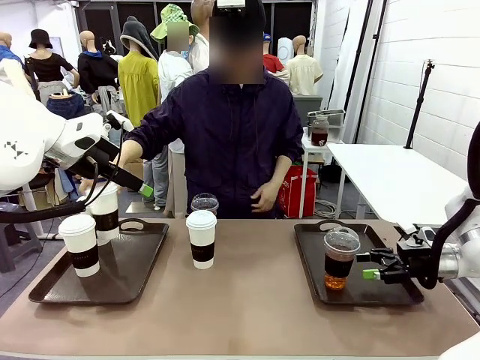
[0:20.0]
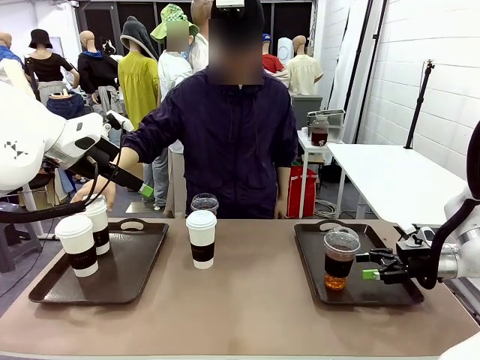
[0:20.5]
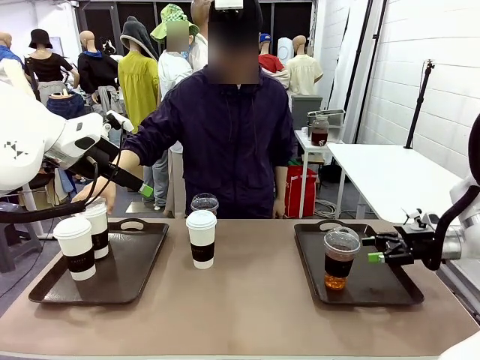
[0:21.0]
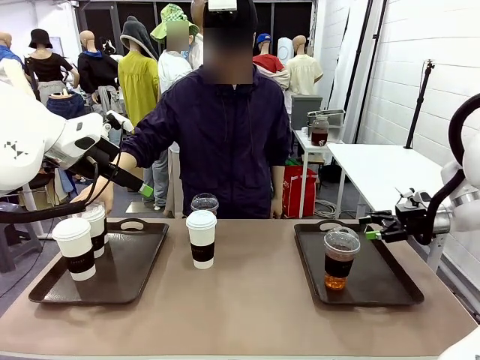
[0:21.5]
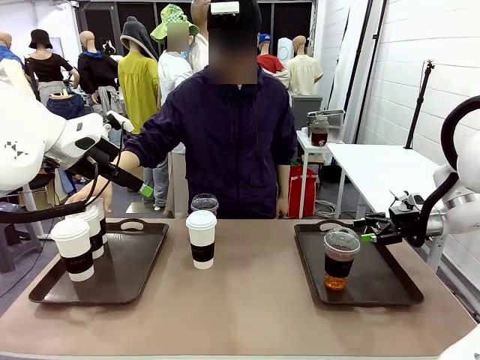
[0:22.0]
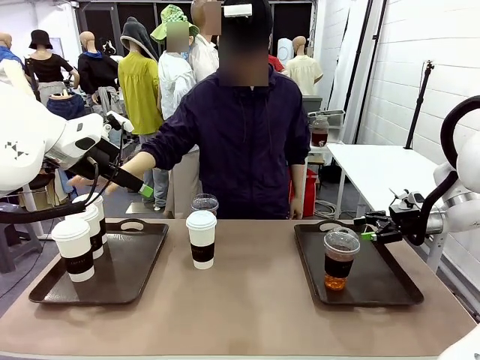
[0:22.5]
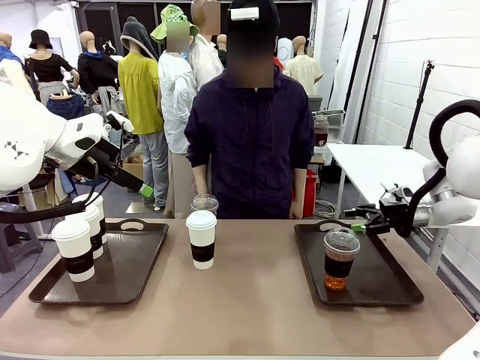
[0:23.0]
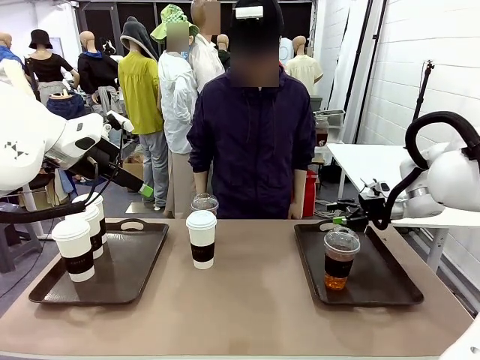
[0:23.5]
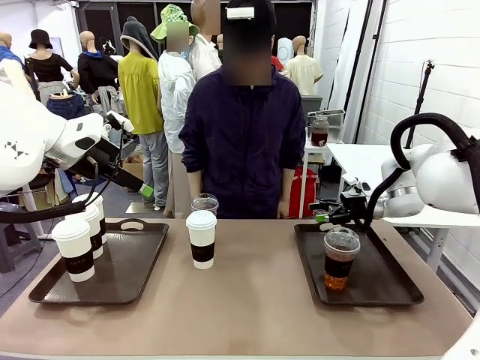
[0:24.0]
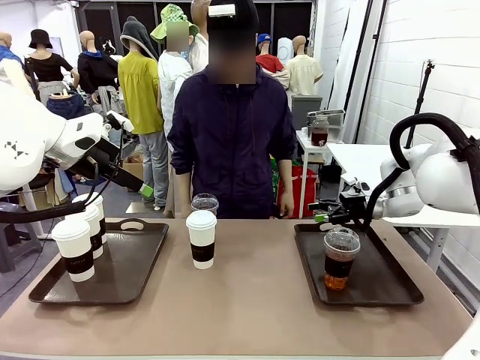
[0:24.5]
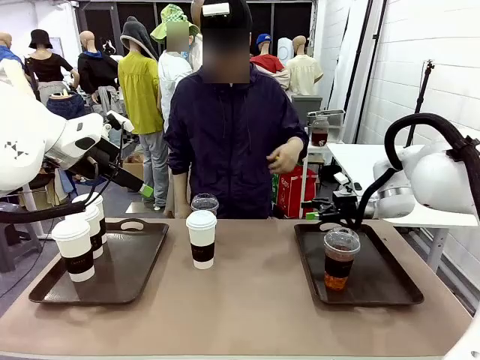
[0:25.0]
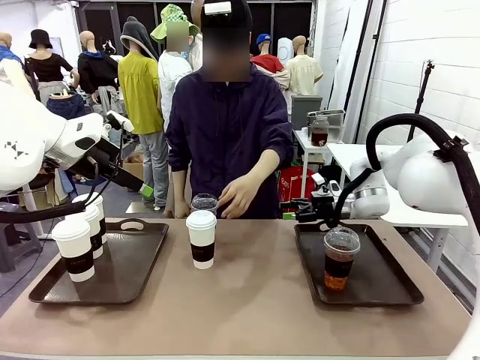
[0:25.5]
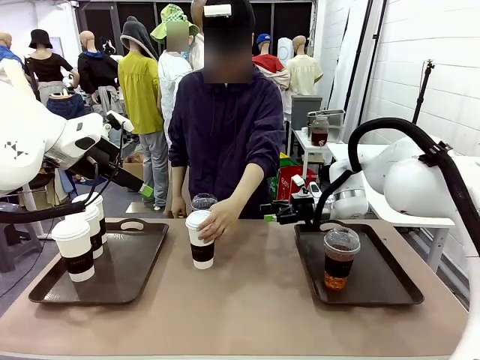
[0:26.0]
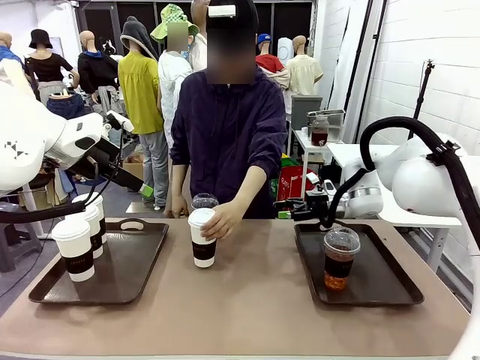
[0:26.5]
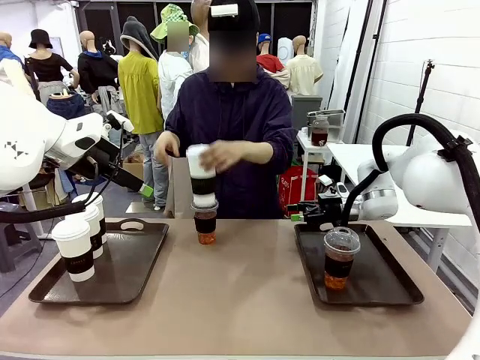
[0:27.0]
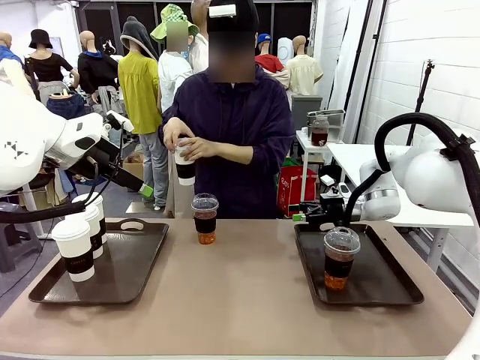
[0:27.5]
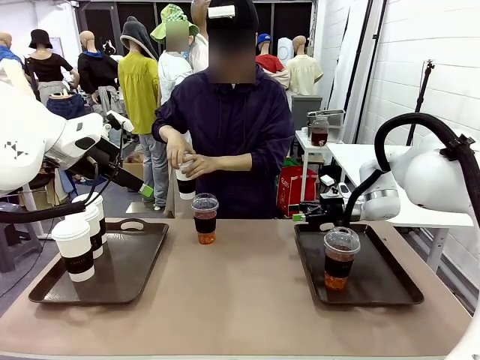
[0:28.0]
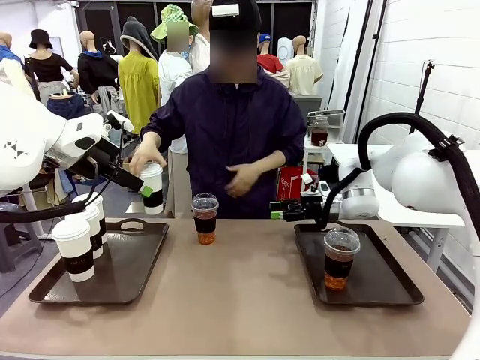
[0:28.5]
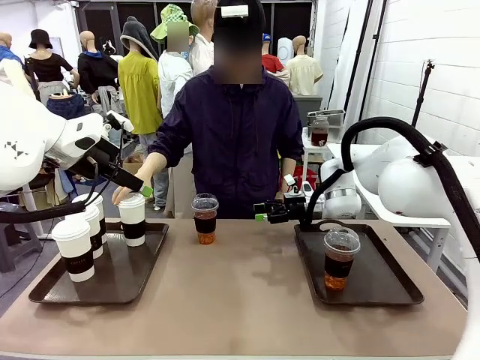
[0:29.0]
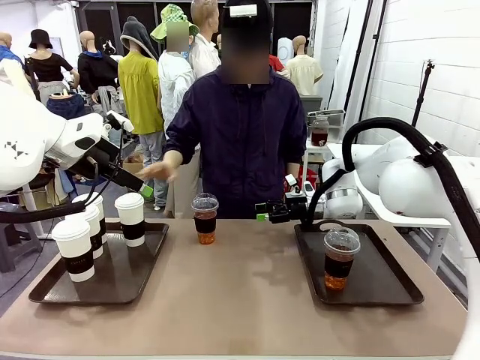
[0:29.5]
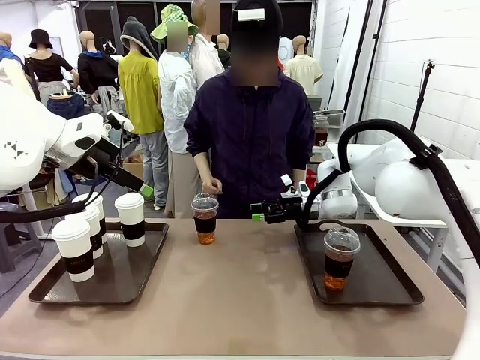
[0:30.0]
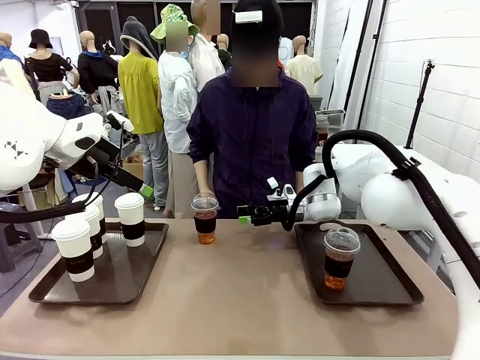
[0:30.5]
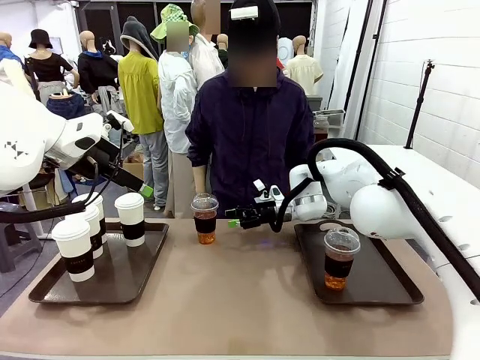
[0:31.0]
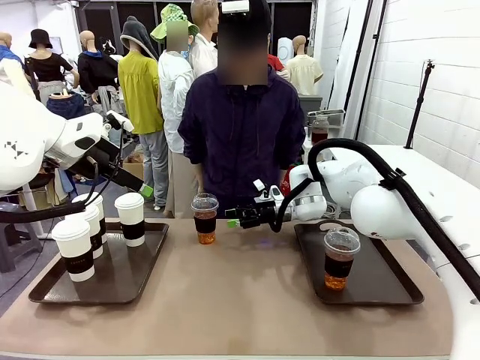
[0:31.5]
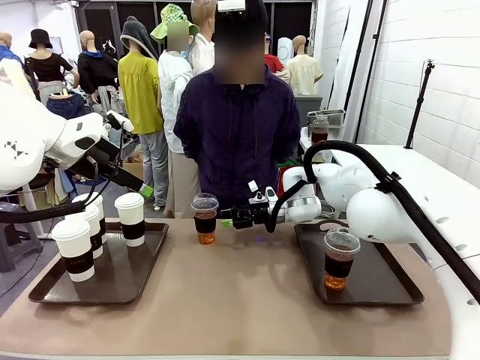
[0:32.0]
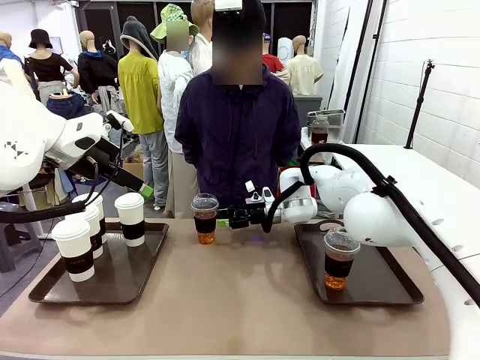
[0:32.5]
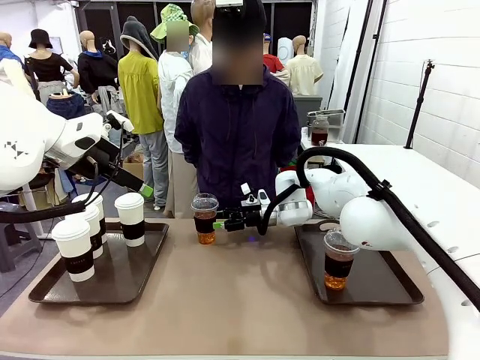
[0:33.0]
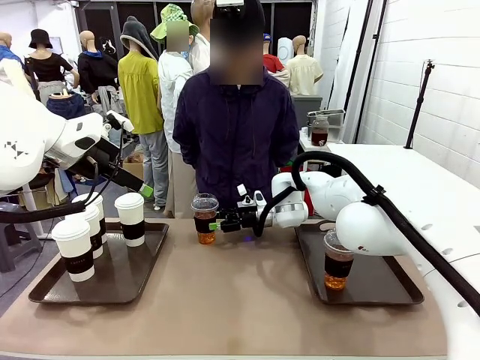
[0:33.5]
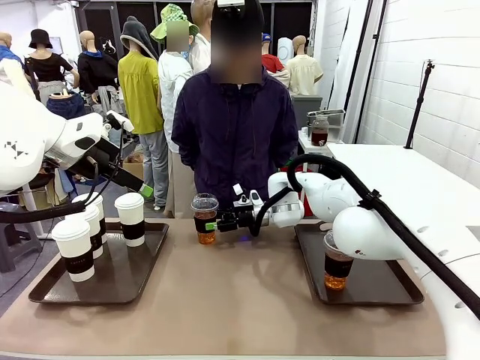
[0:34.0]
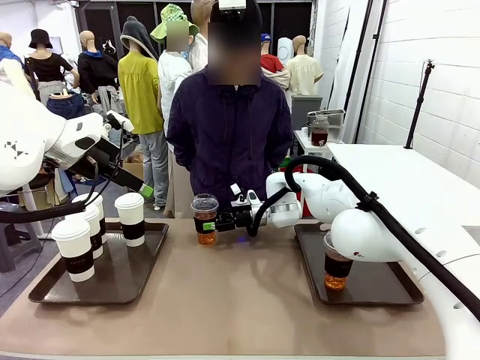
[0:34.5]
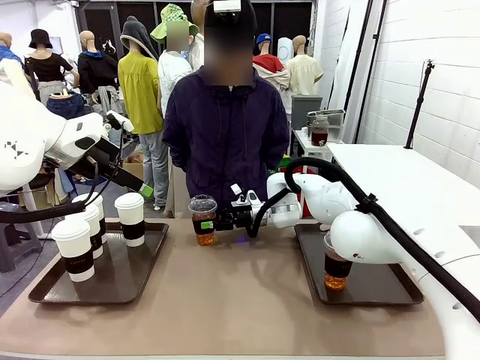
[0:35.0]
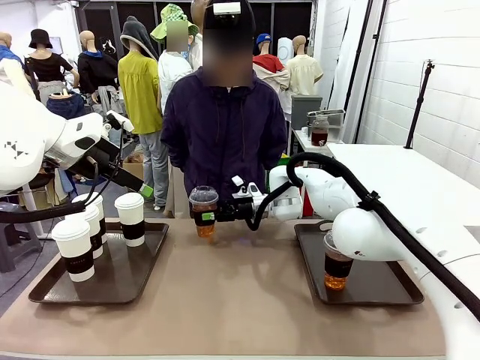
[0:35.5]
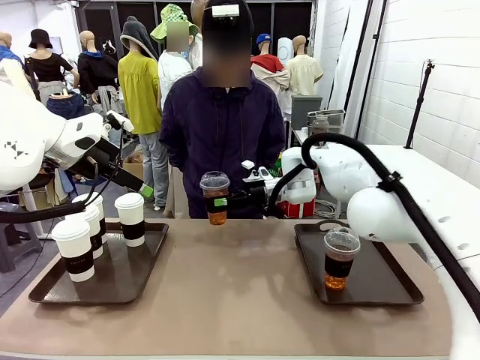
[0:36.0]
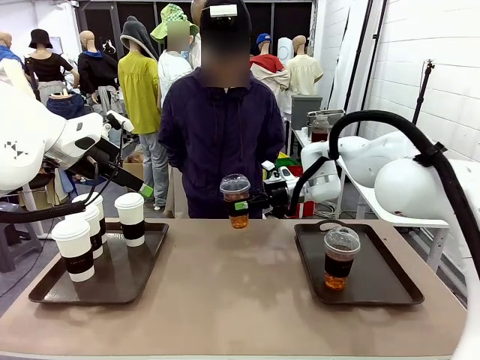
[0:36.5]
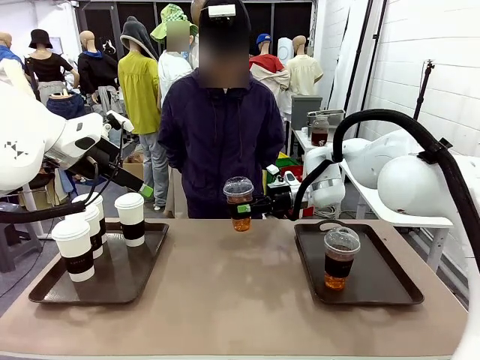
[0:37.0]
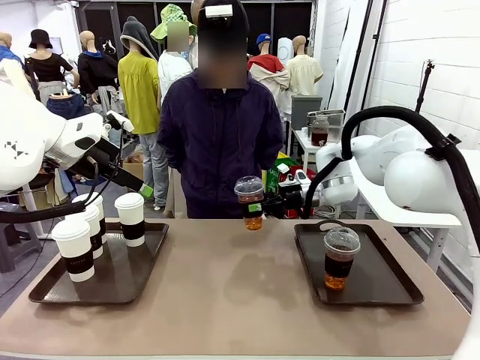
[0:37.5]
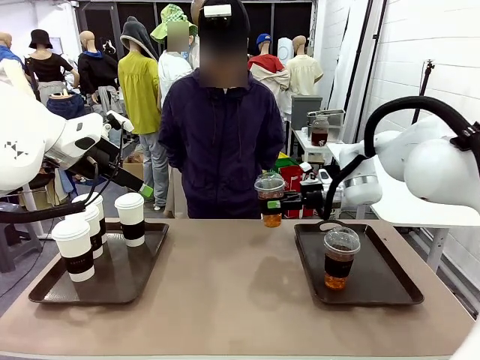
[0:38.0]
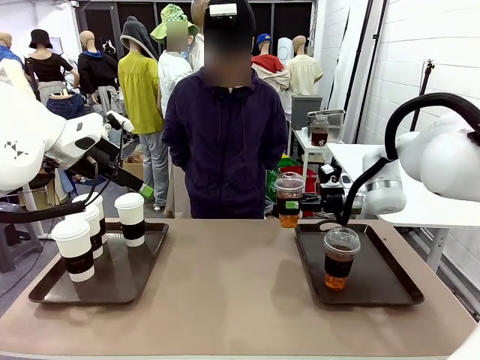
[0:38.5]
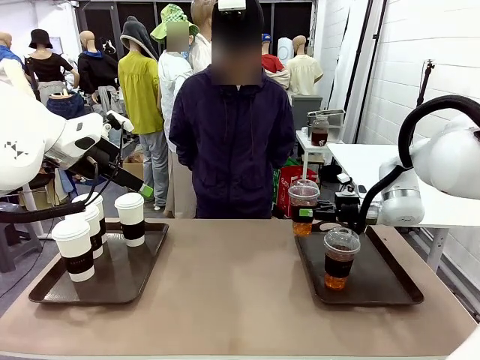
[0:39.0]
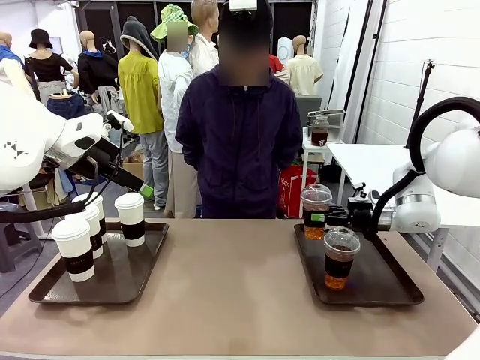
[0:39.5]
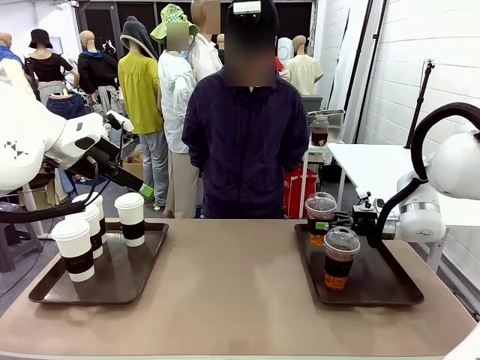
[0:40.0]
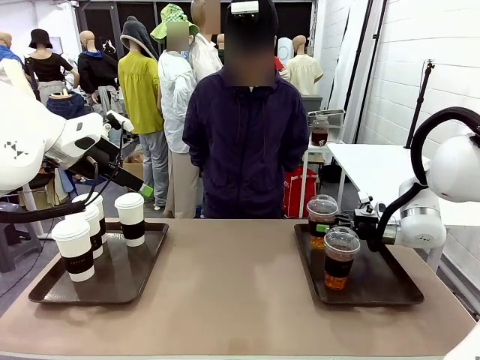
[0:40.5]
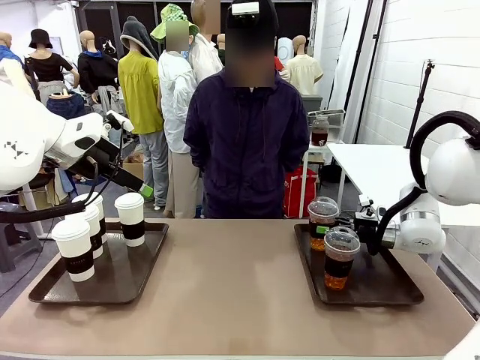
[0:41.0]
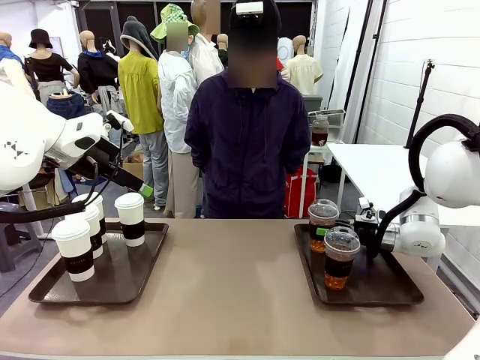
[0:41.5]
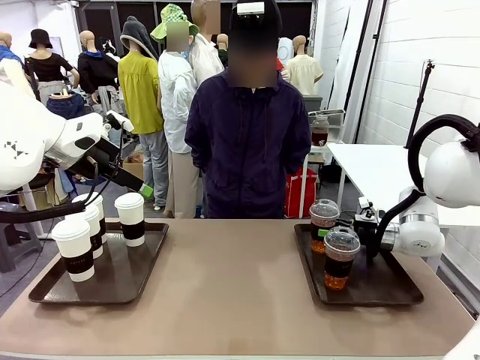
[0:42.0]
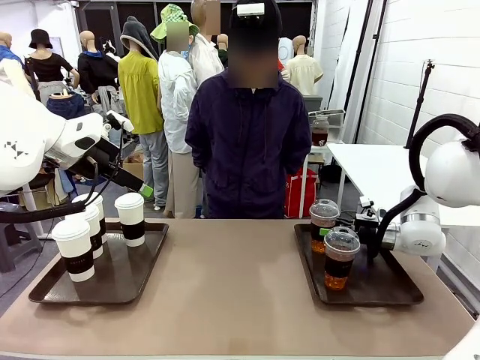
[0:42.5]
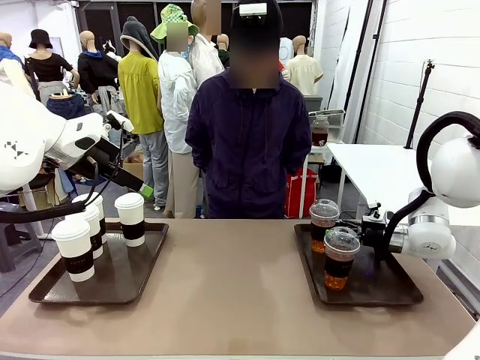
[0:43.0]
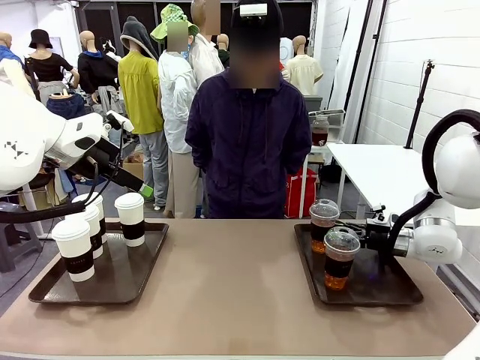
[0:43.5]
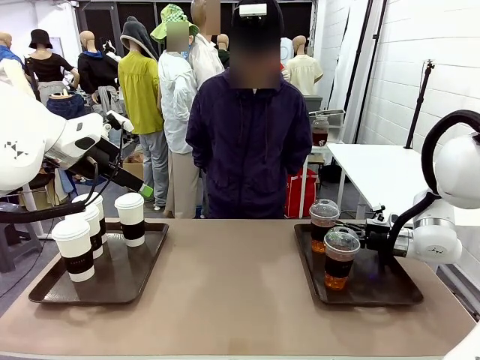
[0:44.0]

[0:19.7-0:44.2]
Task: Distribute the coffee onto the tray.
Robot: Pick up another iced Americano from the middle of the table and place it on the right Handle tray.
Person: Pick up a cup of hot Americano from the middle of the table and place it on the right tray.

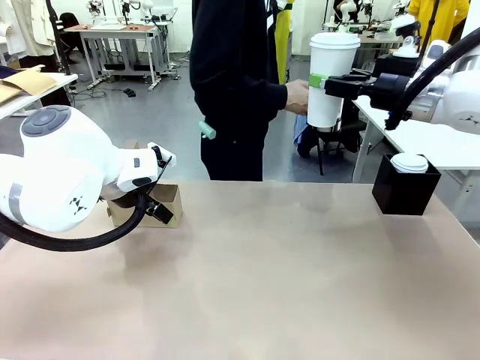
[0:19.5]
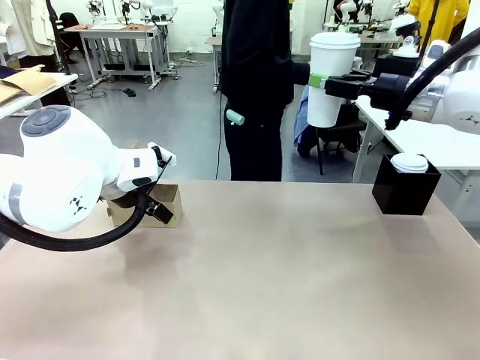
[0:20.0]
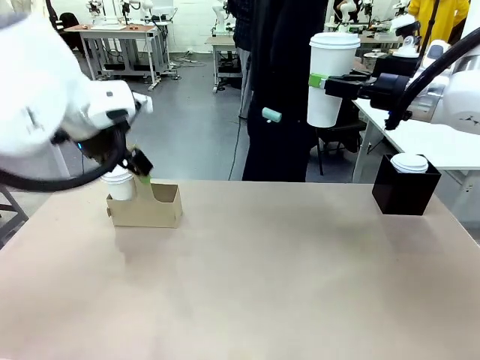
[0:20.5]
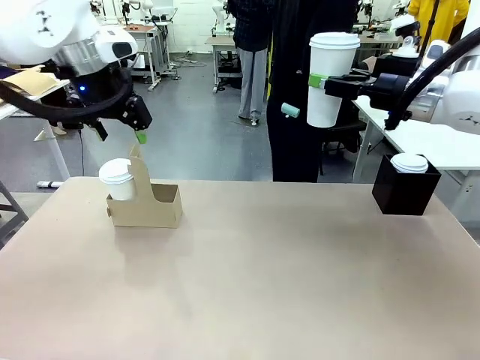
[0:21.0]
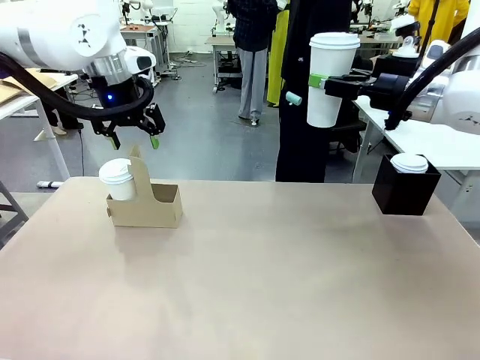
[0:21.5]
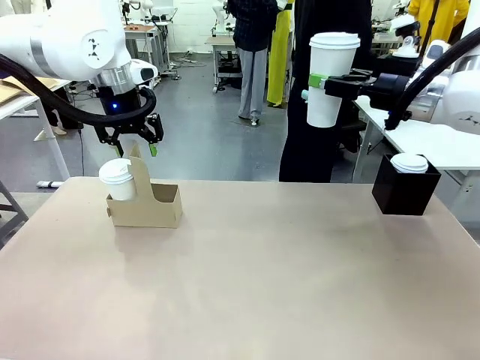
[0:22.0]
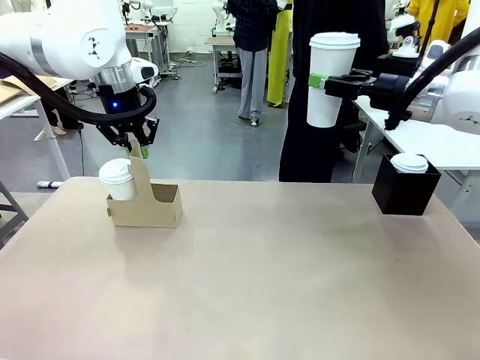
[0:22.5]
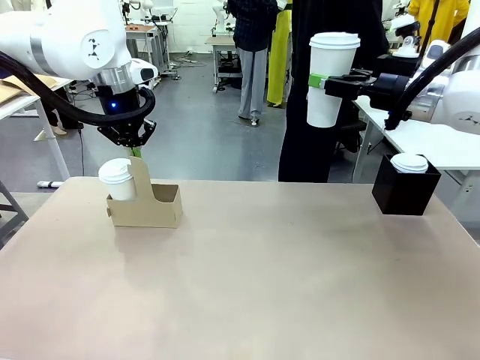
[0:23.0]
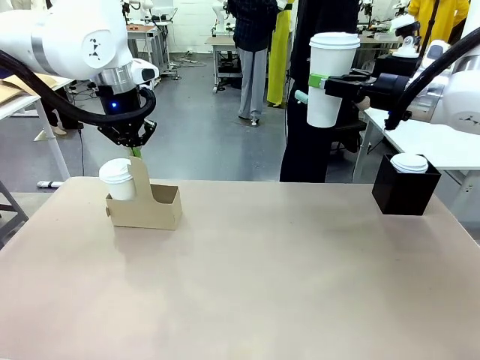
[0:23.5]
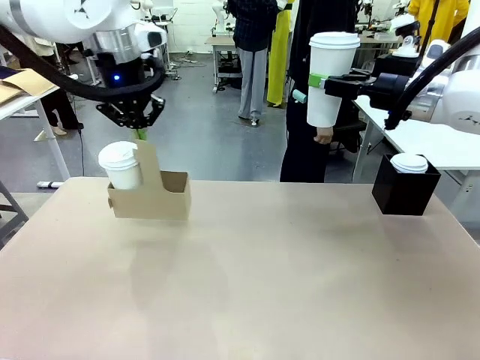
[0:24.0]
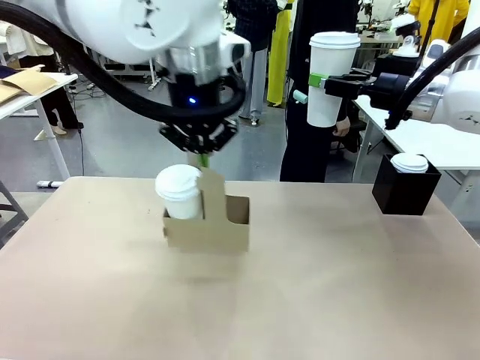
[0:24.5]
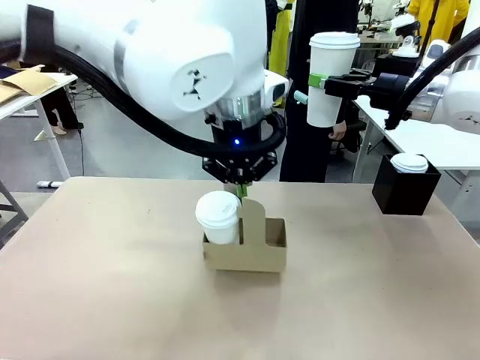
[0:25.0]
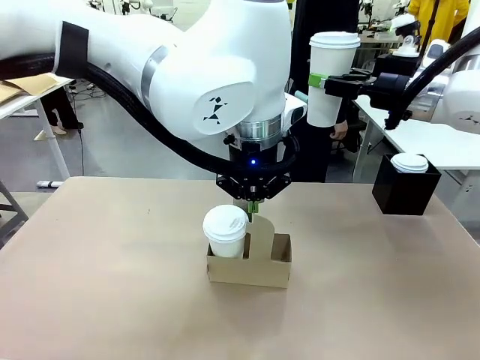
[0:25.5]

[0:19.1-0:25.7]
Task: Pour a drink into a cup and package it in a carrier.
Robot: Position the Cup Carrier in the center of the table.
